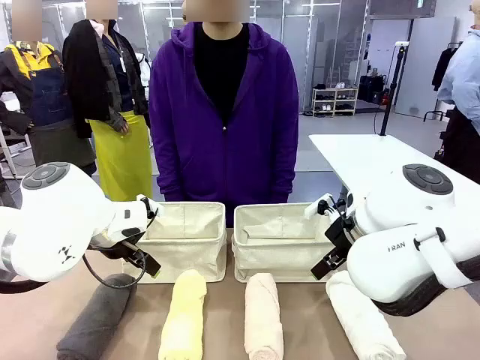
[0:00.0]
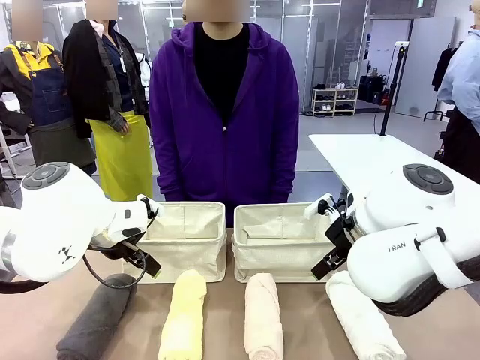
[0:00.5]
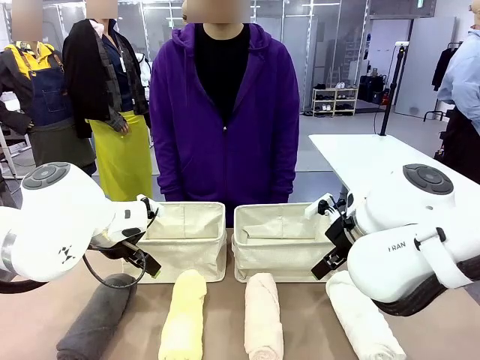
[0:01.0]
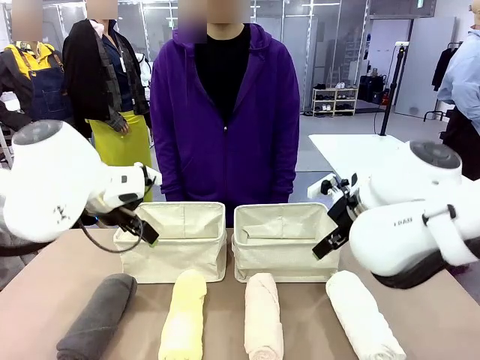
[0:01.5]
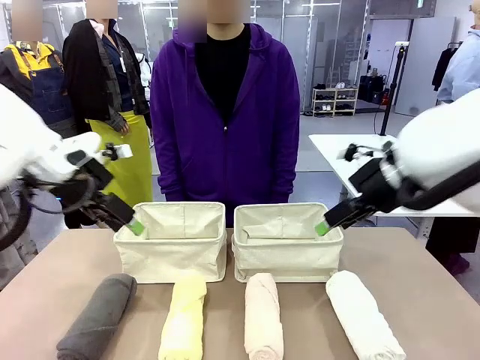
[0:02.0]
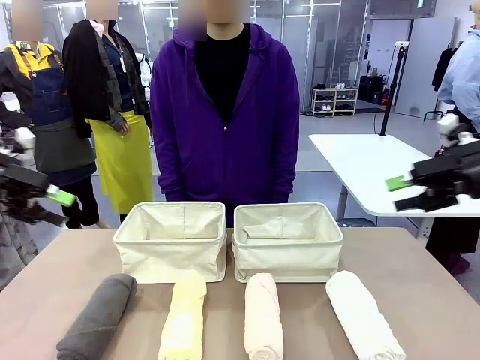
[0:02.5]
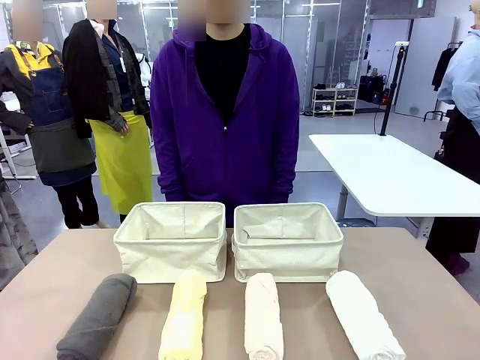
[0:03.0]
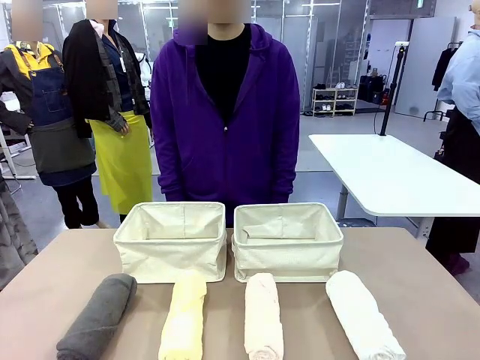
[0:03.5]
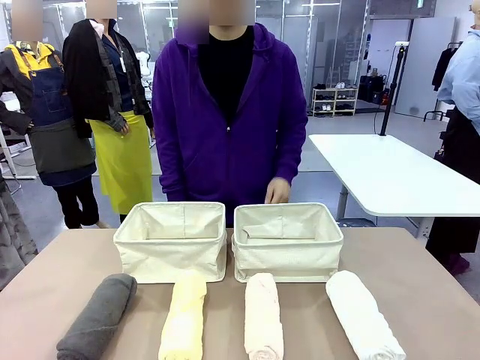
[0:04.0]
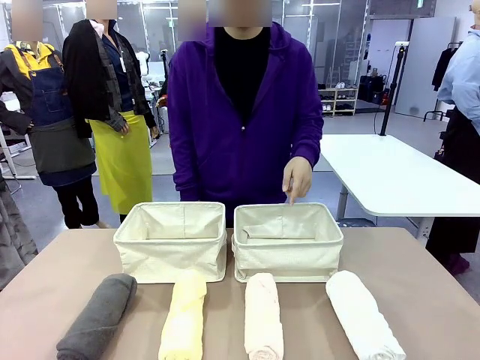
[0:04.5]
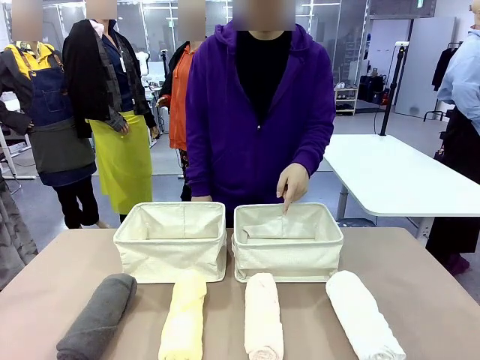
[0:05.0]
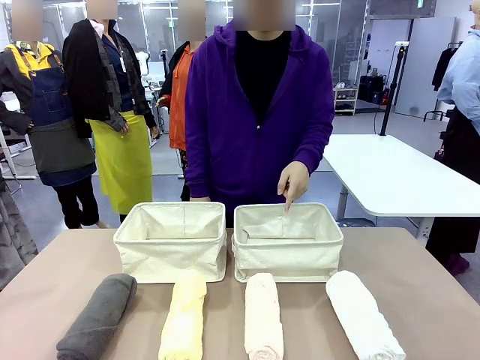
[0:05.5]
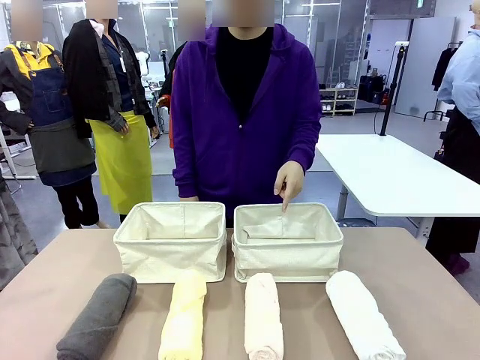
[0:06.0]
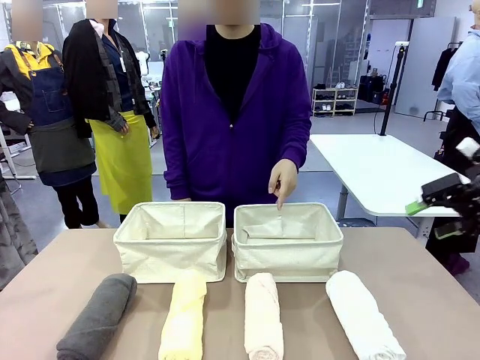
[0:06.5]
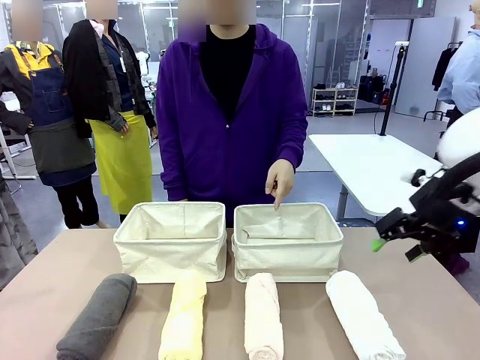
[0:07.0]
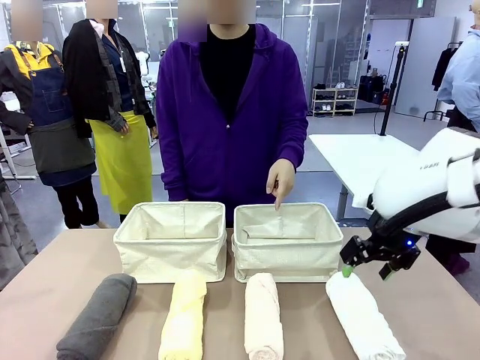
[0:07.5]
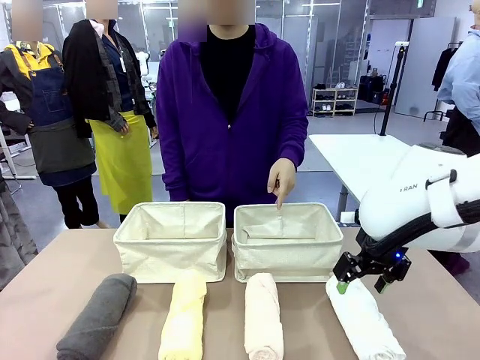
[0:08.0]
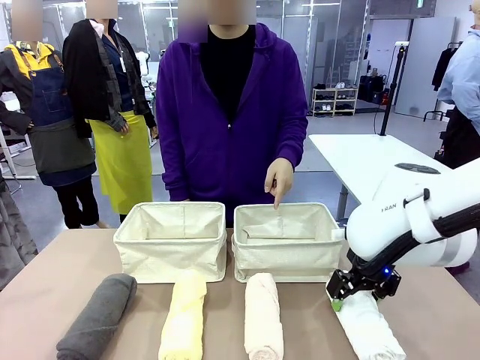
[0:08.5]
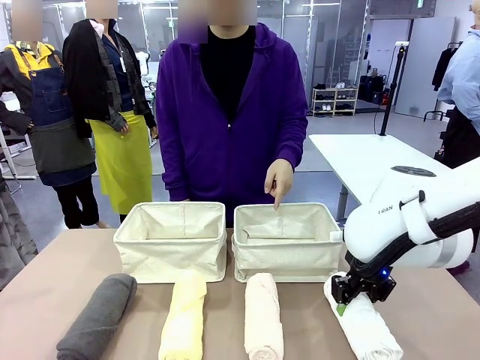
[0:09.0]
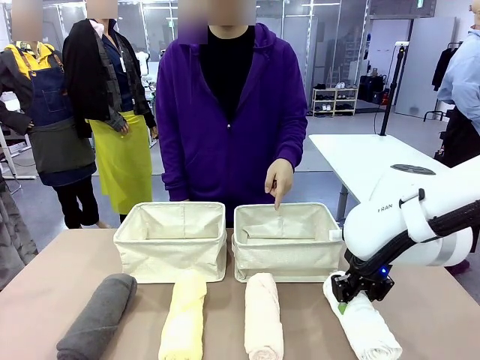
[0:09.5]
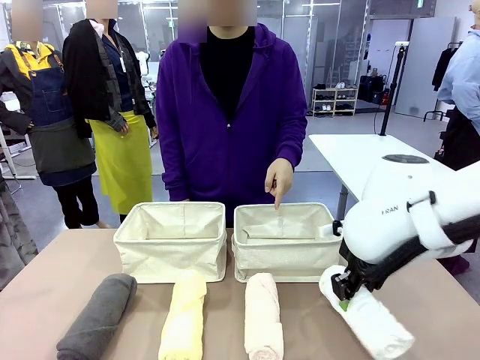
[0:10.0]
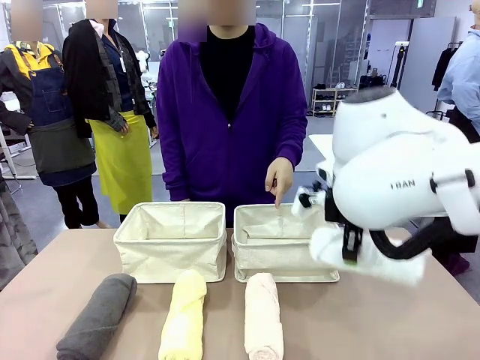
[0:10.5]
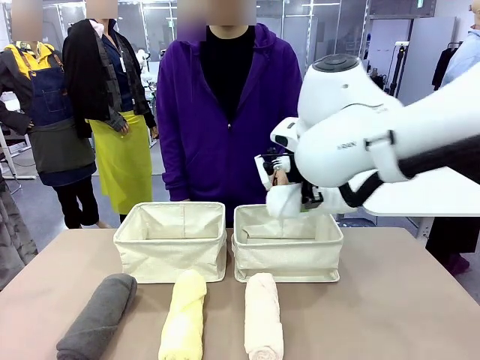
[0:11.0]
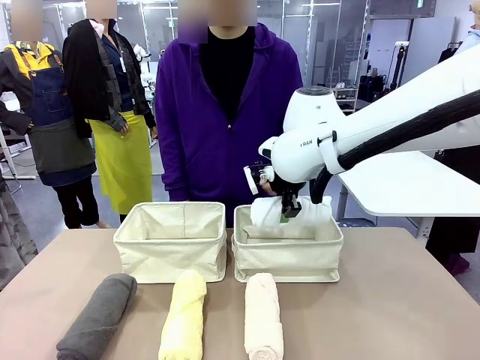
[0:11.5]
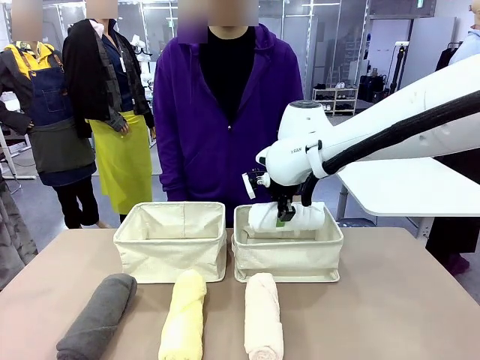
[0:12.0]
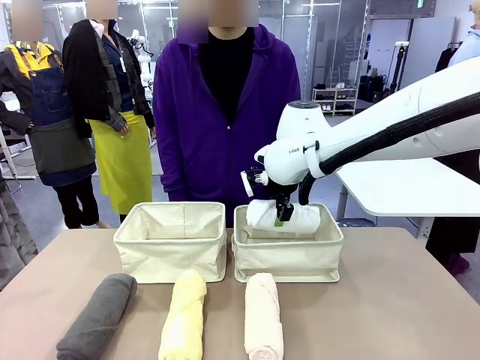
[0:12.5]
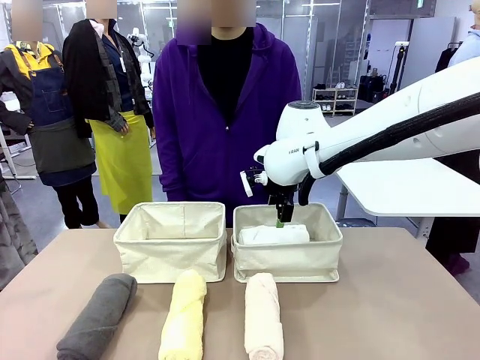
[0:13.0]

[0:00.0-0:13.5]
Task: Divide the towels into two baskets.
Robot: Pick up one hotel-folded towel and place it in the Fabric basket indicated by the person.

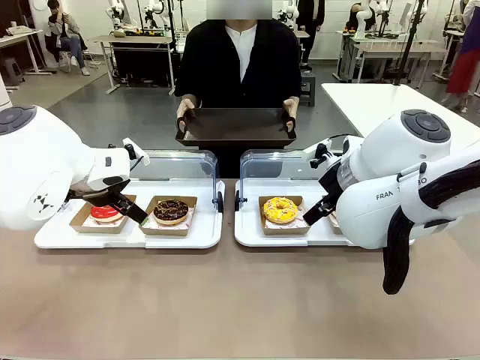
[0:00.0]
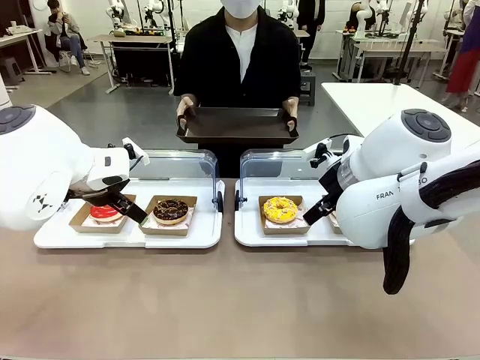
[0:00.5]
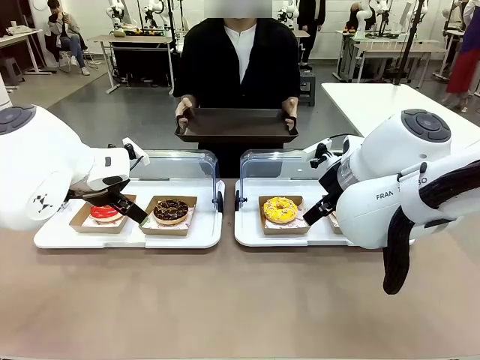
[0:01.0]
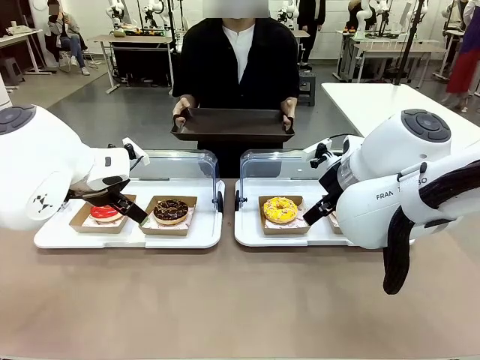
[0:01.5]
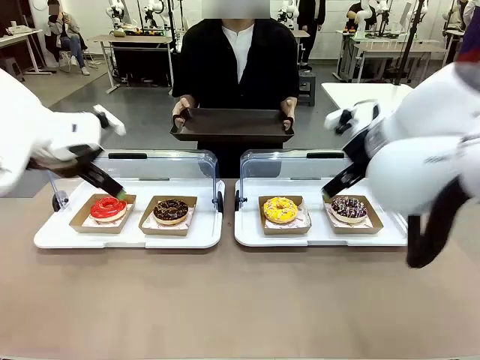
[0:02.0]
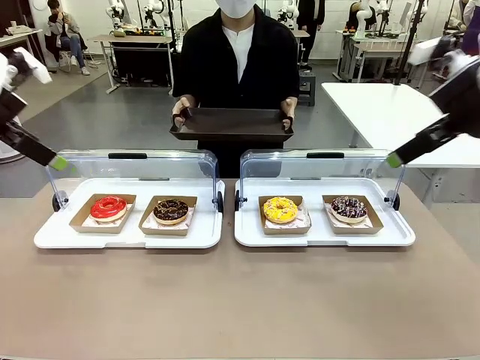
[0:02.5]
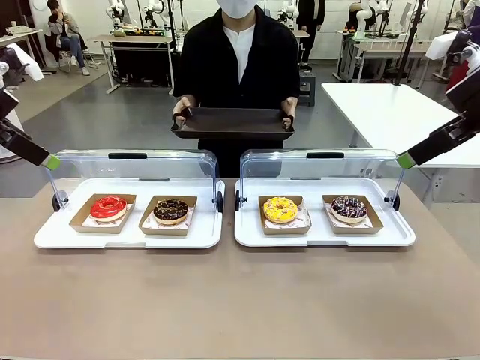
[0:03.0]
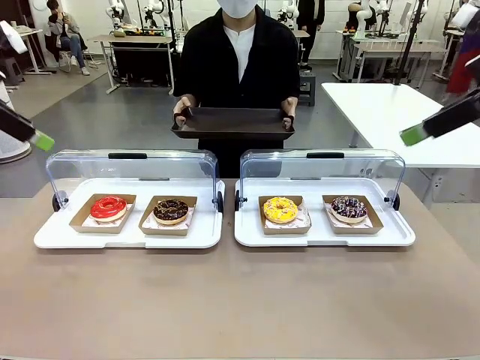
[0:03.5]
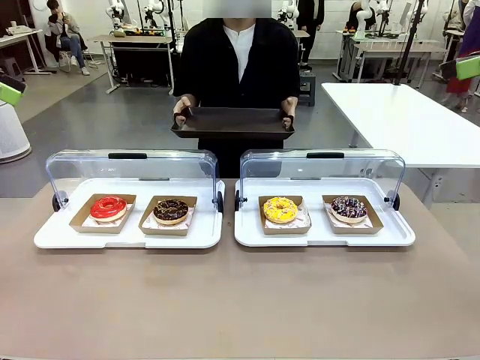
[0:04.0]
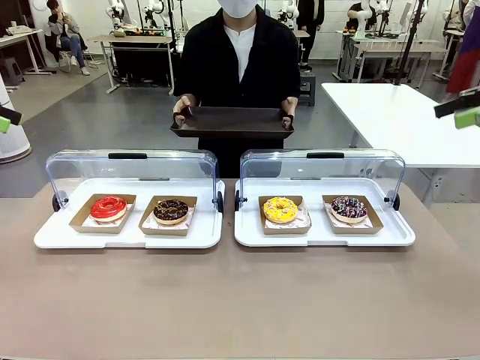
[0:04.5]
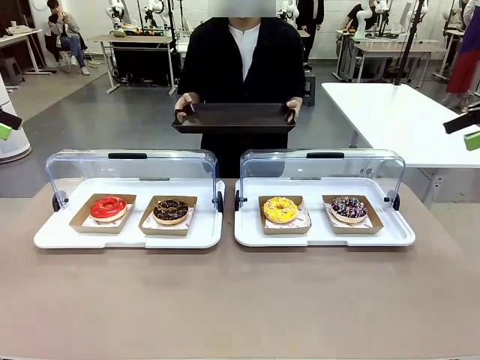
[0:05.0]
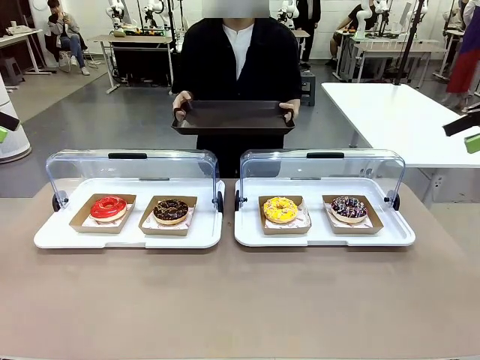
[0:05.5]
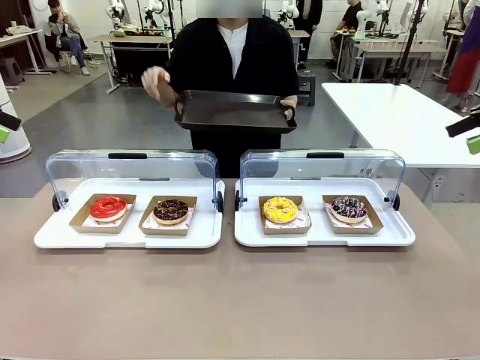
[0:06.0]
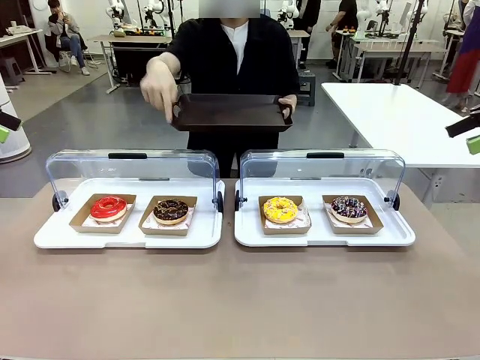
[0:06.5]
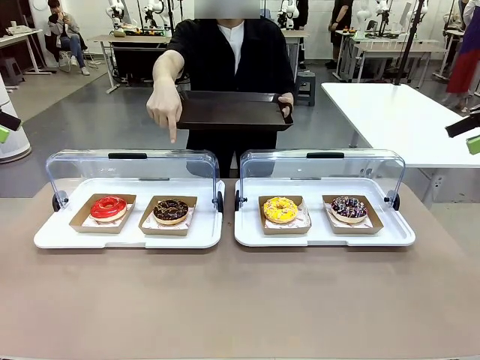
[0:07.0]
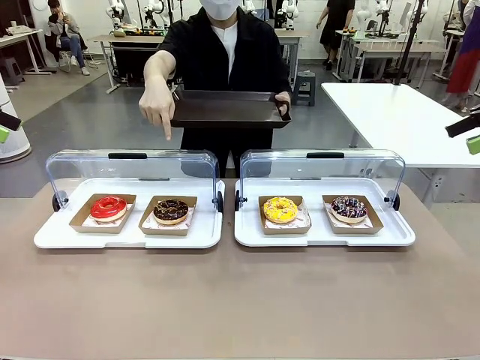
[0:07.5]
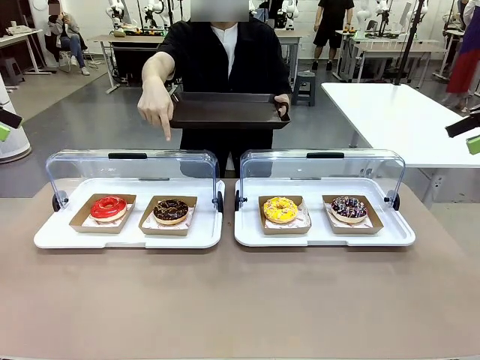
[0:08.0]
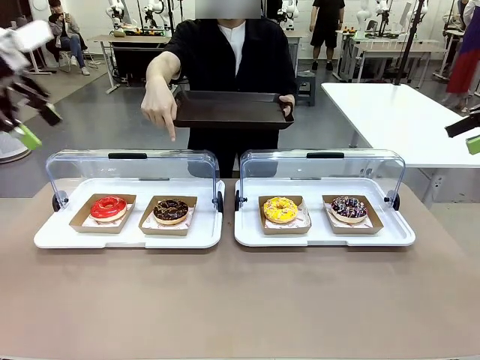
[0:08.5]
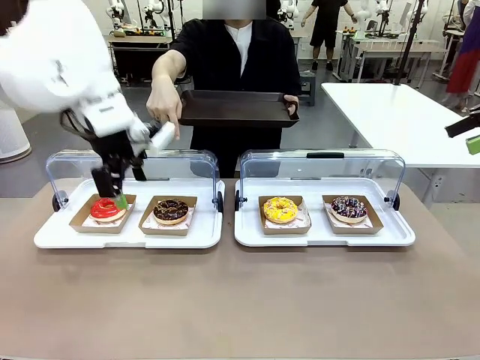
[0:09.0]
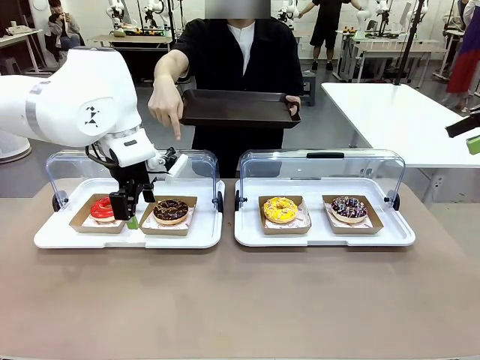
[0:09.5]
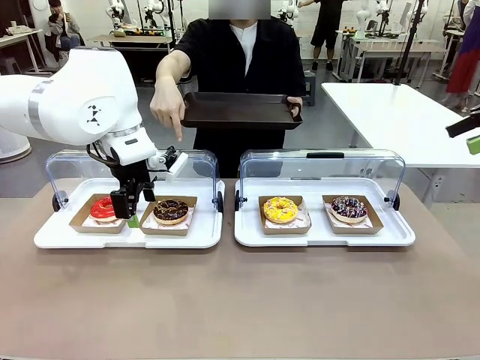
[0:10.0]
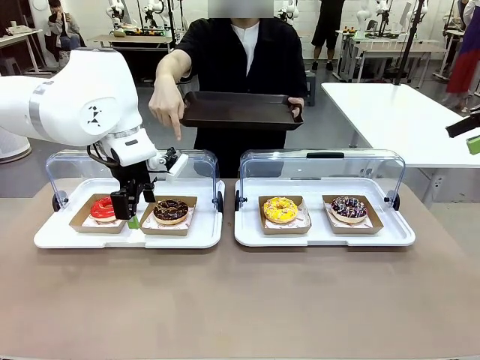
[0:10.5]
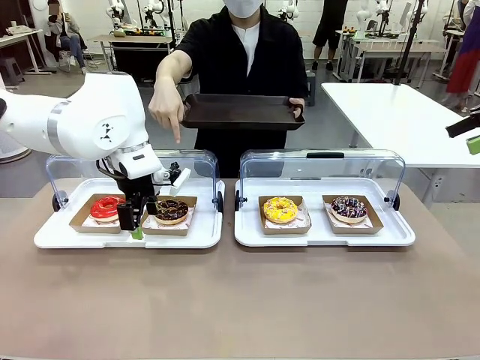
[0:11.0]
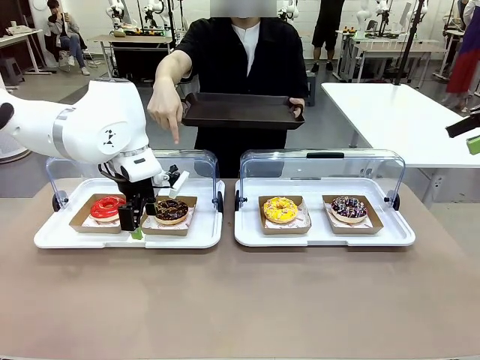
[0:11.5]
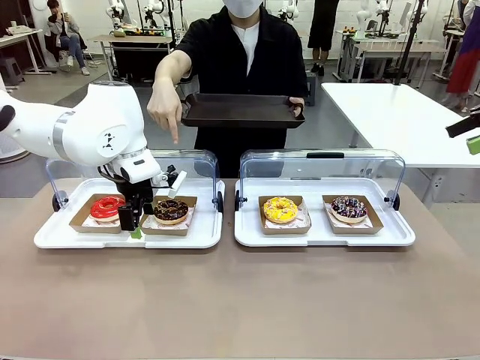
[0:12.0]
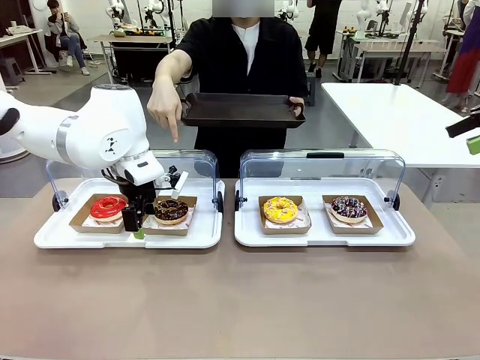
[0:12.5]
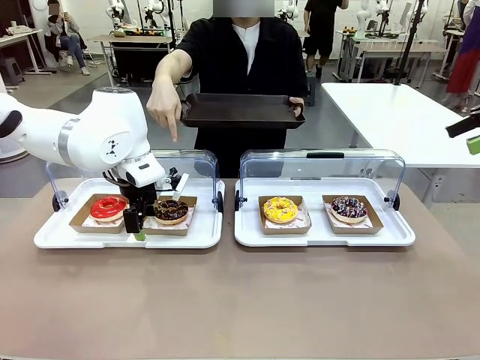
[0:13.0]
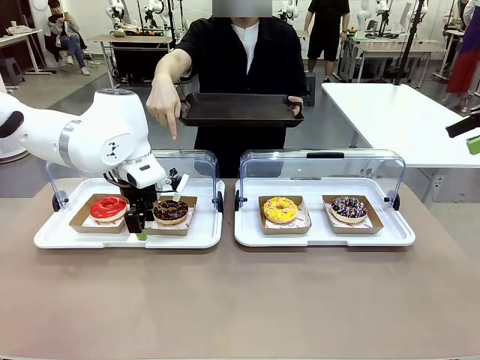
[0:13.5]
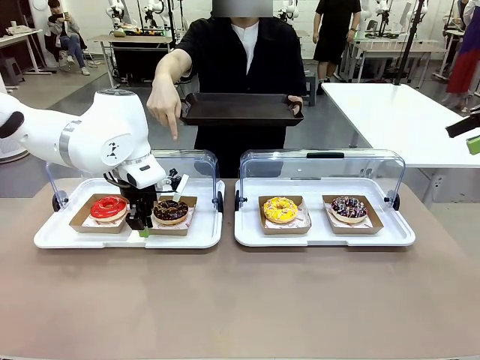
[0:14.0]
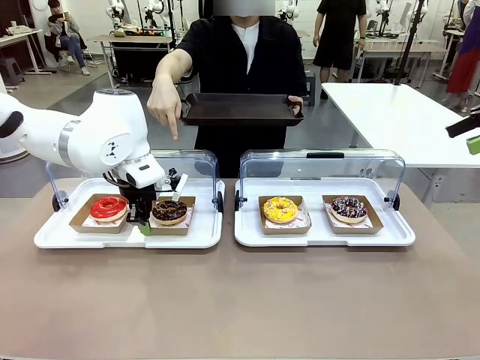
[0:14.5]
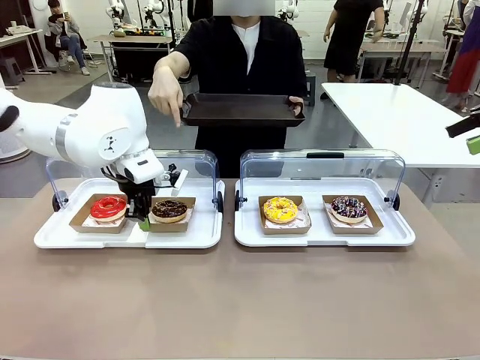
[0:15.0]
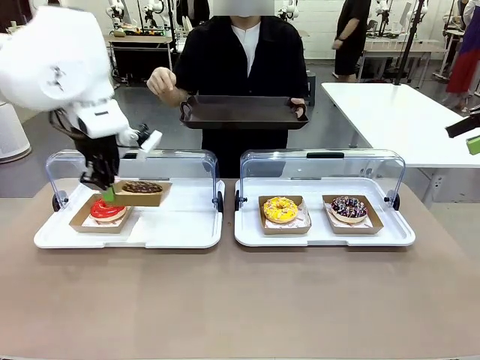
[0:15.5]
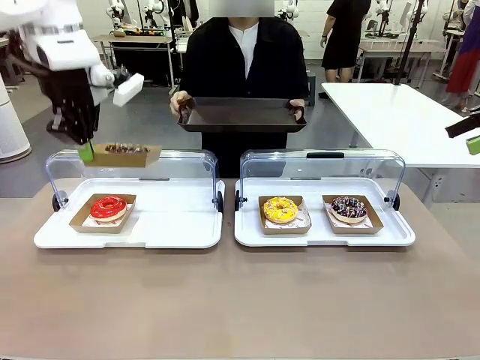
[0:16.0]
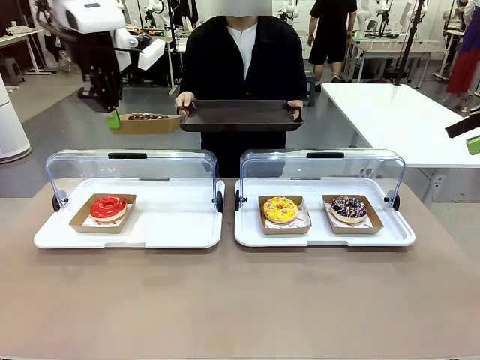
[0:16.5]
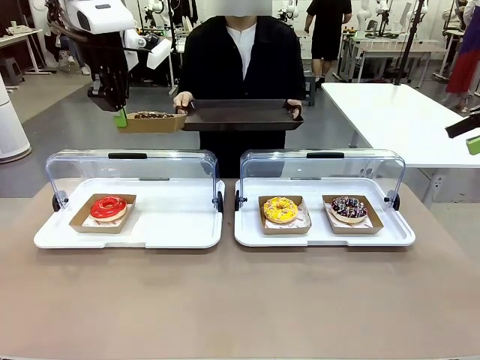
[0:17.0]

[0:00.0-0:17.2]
Task: Provide the desired donut to the person.
Robot: Pick up and lift the Paper togo box containing the Donut pointed at by the person.
Person: Point to one donut. Lift the tray onto the Roll-Top Bakery Case.
